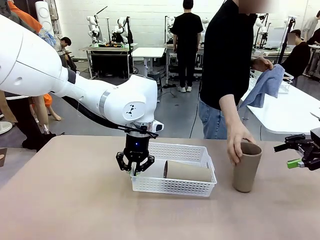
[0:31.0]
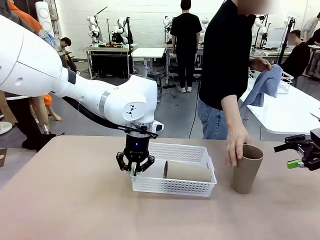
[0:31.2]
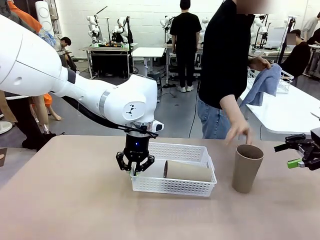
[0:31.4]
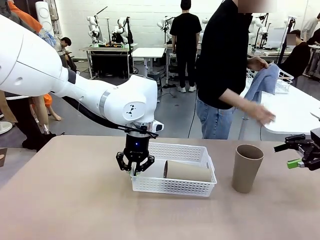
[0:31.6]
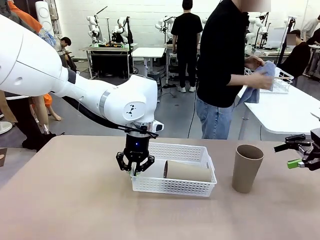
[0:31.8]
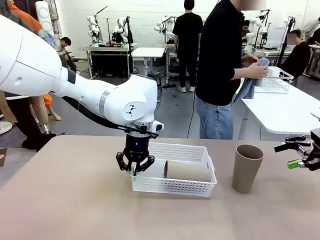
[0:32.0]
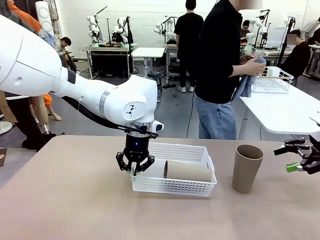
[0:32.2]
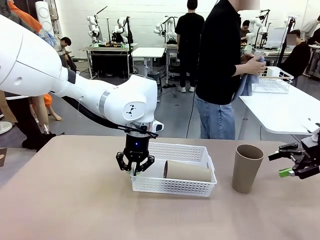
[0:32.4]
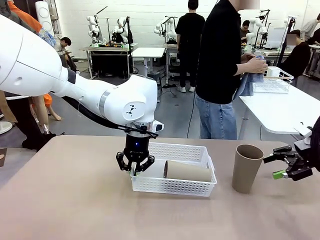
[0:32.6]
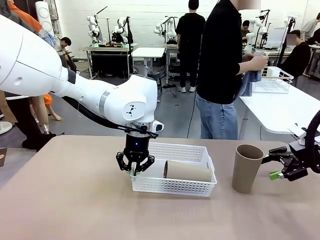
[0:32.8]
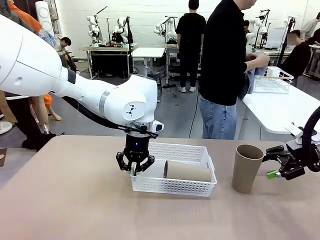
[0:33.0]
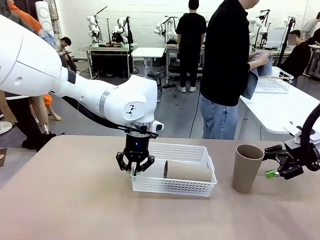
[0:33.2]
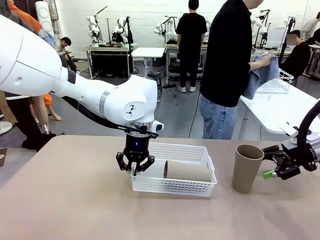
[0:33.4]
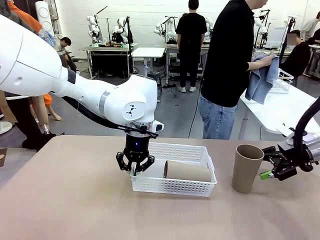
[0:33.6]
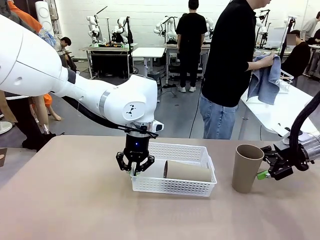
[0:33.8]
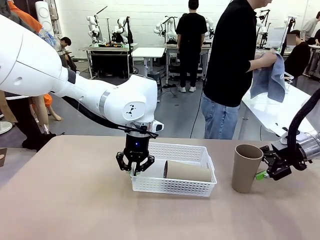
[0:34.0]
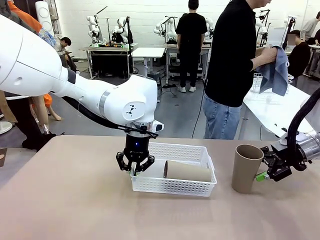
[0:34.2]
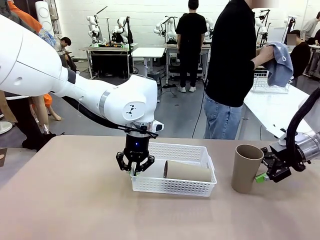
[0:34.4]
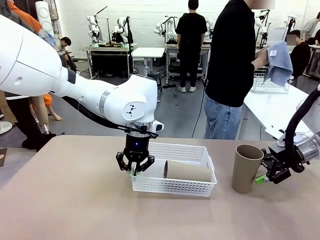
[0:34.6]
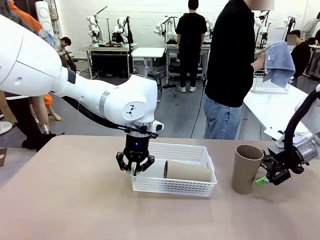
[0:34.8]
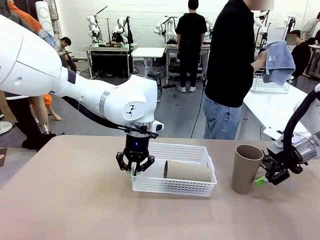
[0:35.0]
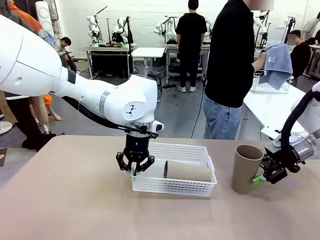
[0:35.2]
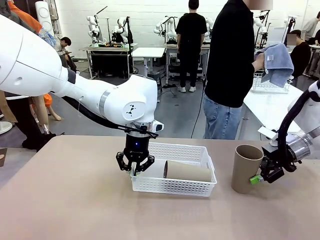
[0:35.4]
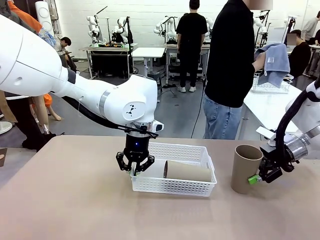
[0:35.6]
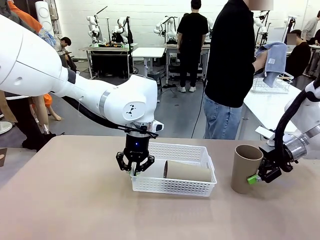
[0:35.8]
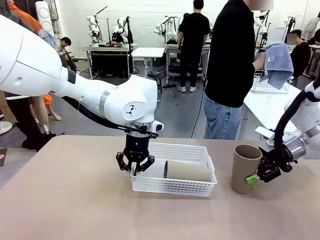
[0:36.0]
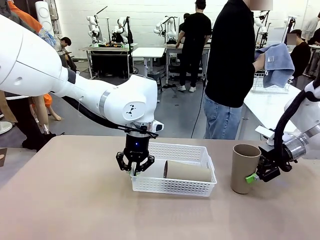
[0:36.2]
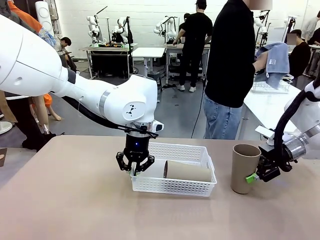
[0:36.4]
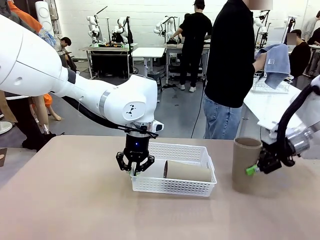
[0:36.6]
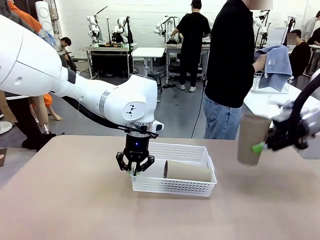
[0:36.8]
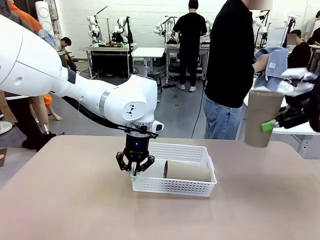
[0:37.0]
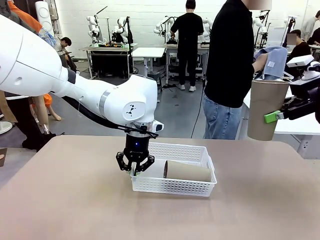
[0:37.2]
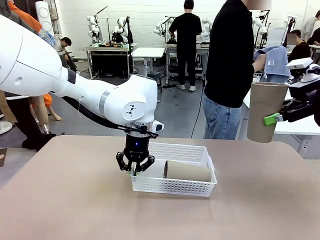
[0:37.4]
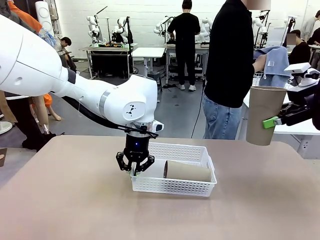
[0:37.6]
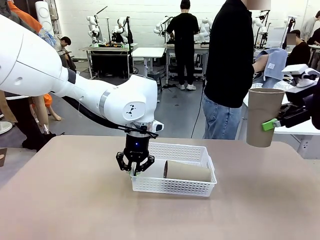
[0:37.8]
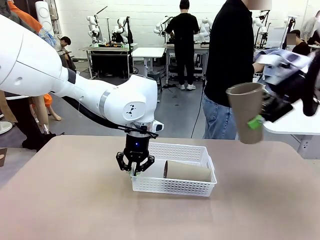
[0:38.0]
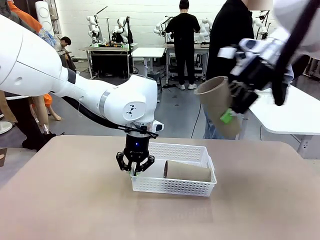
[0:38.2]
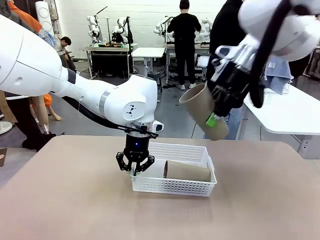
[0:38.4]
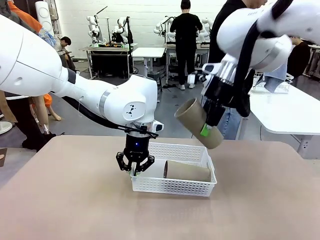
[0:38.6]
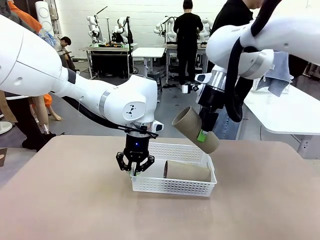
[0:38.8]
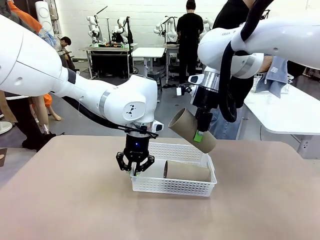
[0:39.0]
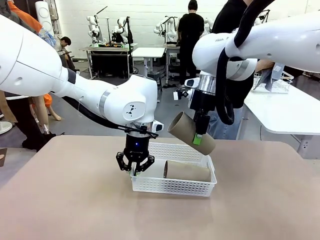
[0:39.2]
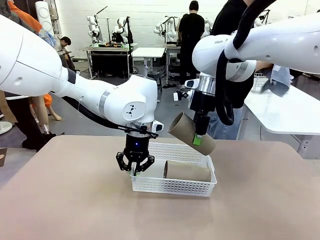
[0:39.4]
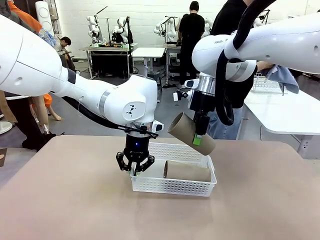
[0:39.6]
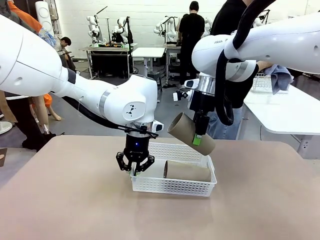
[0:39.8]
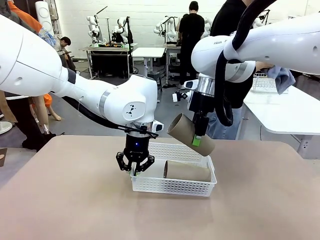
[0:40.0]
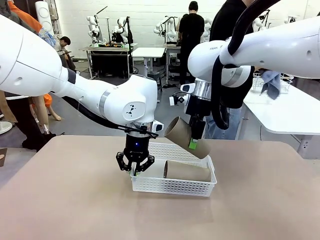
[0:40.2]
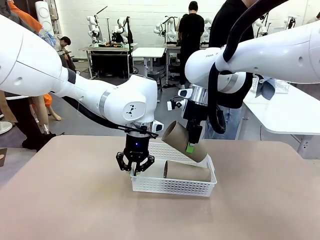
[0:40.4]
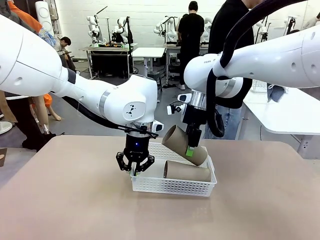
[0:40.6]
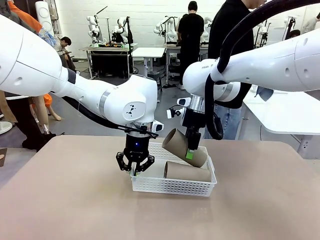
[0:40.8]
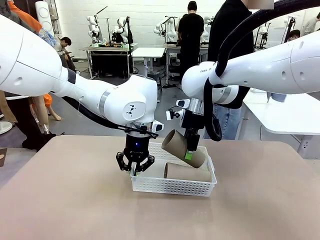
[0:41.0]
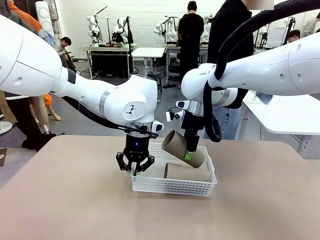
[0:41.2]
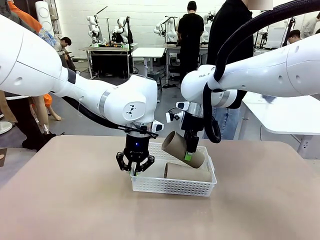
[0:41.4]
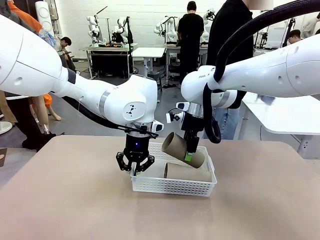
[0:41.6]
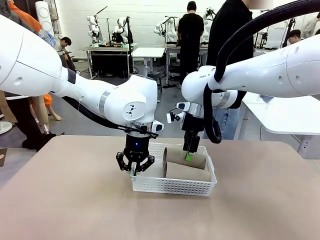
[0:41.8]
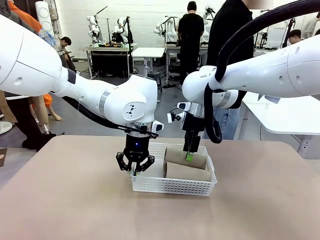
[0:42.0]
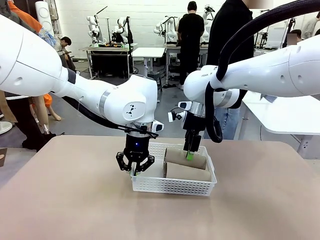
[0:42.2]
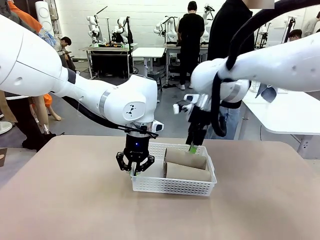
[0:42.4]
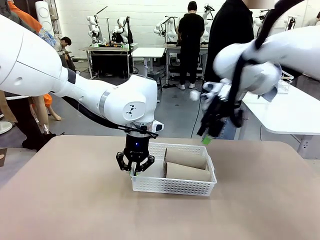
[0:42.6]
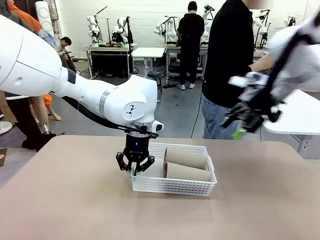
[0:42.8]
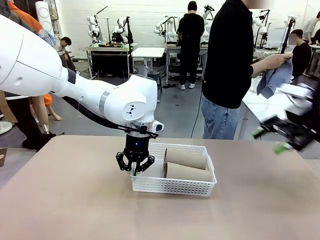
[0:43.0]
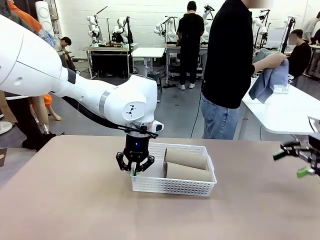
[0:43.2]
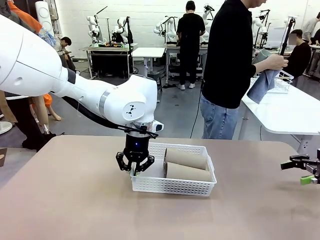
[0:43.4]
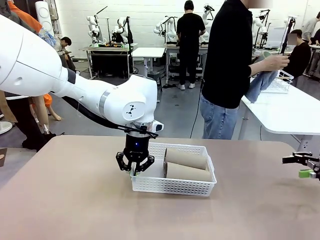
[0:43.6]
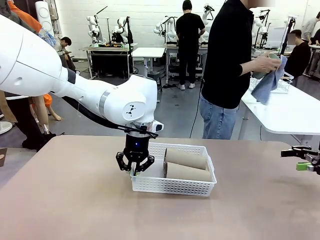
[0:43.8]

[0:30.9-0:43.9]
Task: Clean and organize the cups into the basket.
Robot: Pick up the Reusable plastic cup from the right side of the table and stack it inside the Organizing basket in the center of the table.
